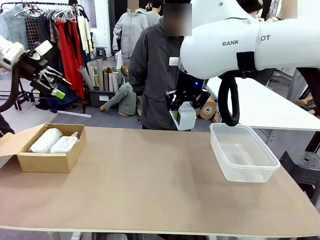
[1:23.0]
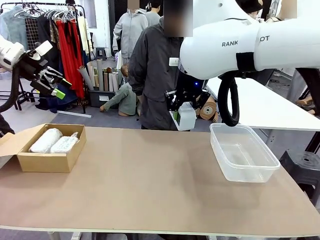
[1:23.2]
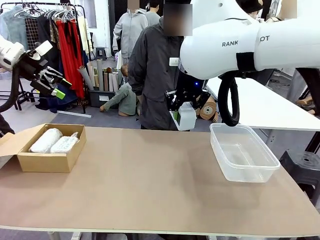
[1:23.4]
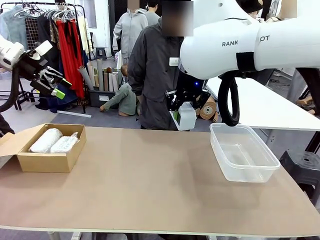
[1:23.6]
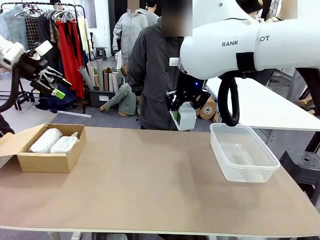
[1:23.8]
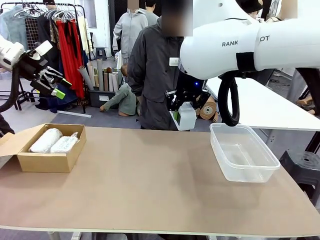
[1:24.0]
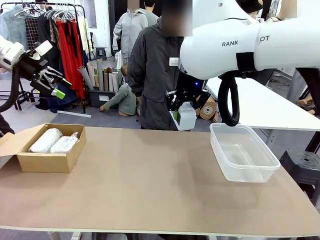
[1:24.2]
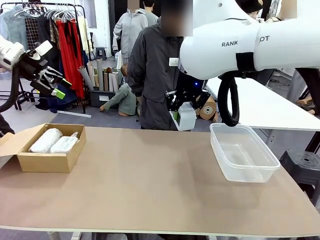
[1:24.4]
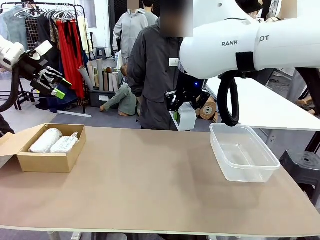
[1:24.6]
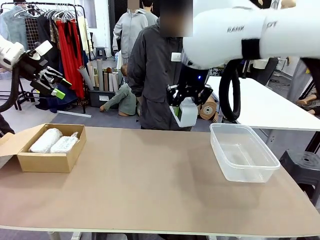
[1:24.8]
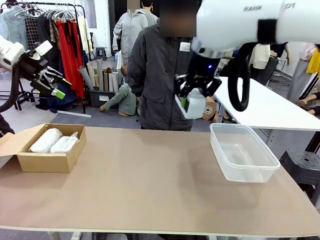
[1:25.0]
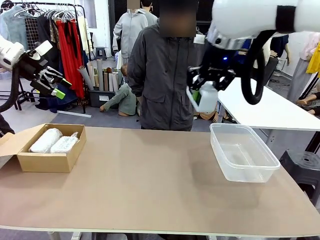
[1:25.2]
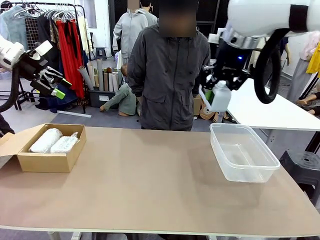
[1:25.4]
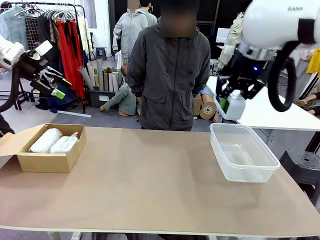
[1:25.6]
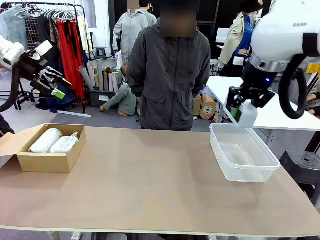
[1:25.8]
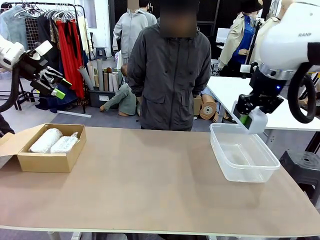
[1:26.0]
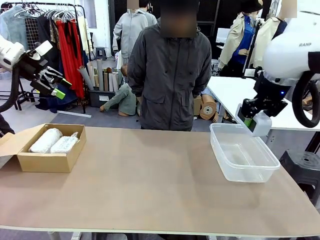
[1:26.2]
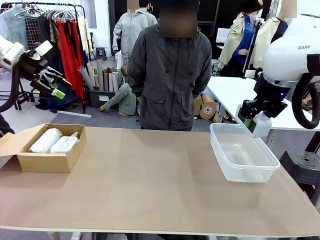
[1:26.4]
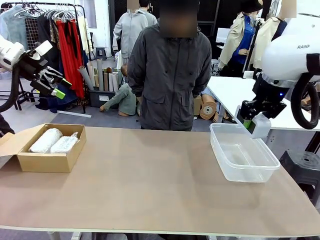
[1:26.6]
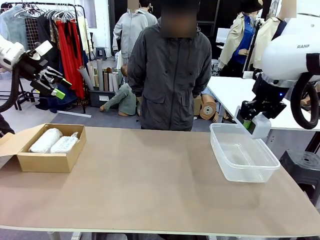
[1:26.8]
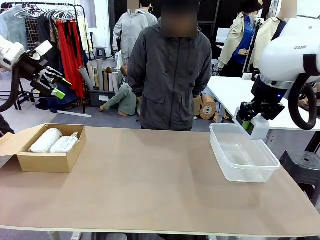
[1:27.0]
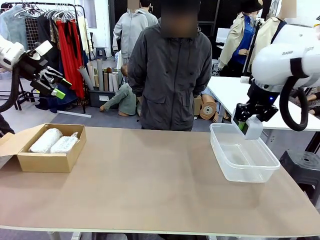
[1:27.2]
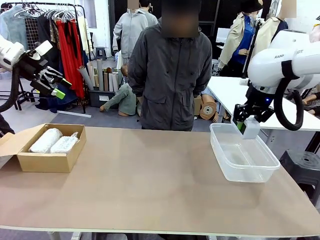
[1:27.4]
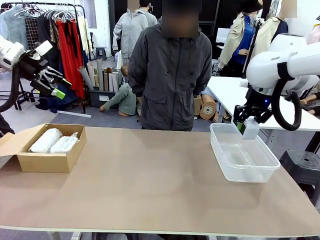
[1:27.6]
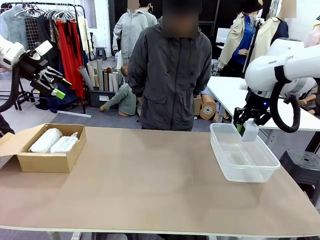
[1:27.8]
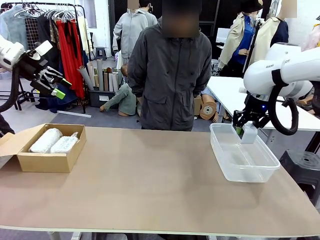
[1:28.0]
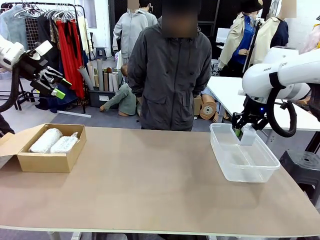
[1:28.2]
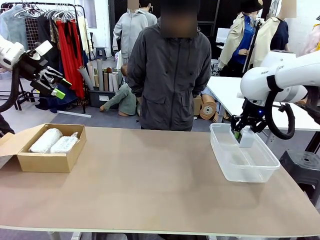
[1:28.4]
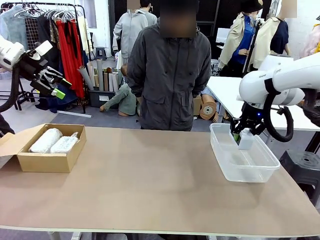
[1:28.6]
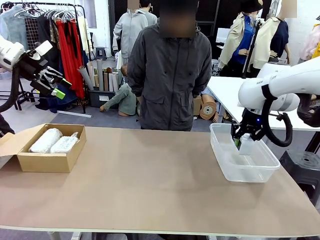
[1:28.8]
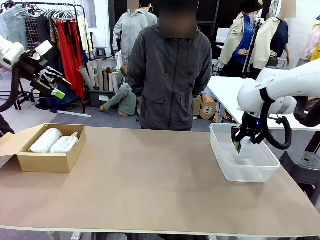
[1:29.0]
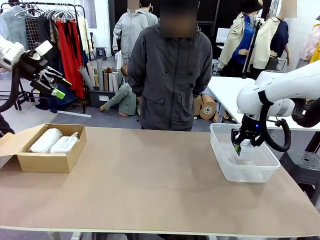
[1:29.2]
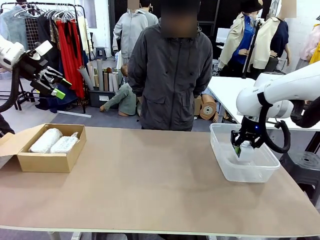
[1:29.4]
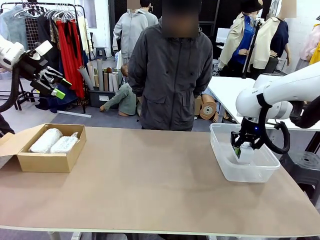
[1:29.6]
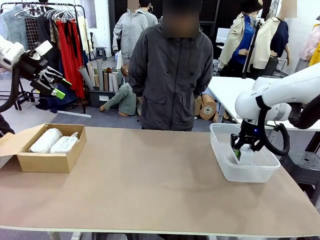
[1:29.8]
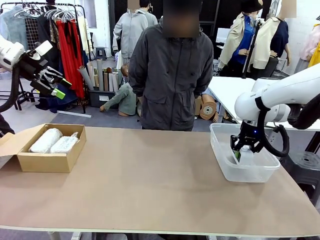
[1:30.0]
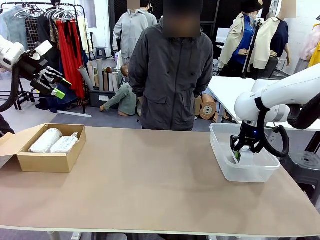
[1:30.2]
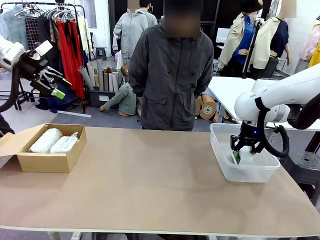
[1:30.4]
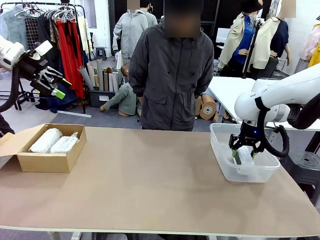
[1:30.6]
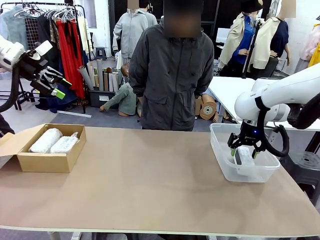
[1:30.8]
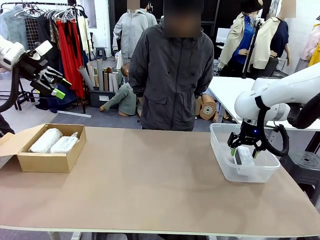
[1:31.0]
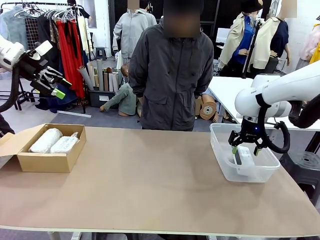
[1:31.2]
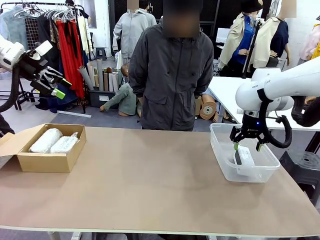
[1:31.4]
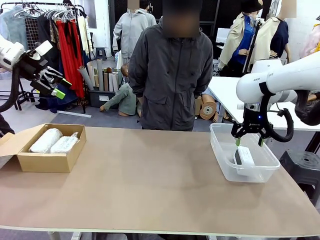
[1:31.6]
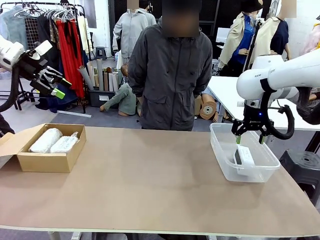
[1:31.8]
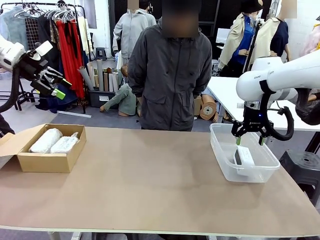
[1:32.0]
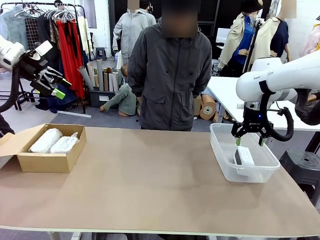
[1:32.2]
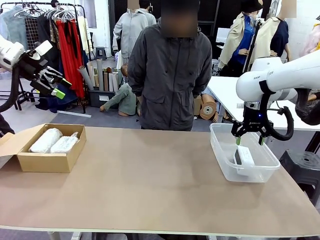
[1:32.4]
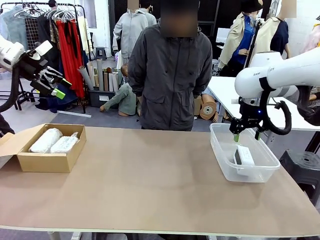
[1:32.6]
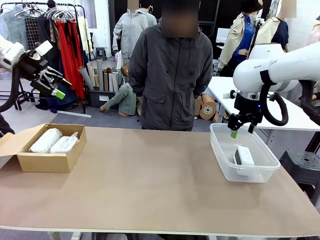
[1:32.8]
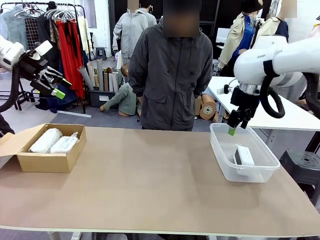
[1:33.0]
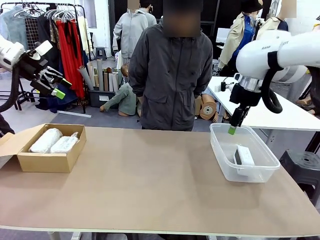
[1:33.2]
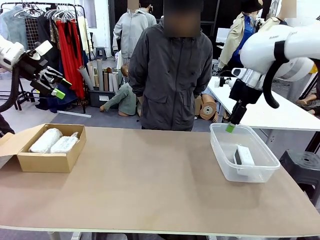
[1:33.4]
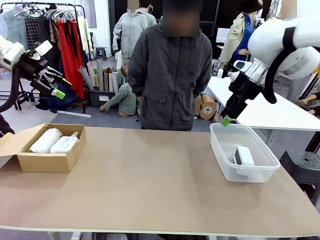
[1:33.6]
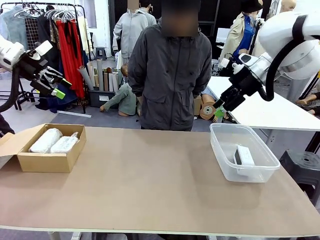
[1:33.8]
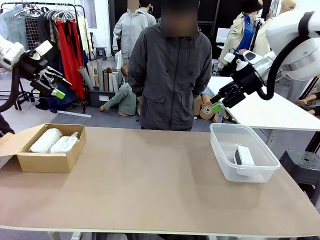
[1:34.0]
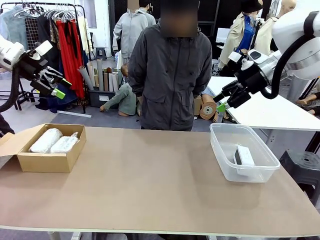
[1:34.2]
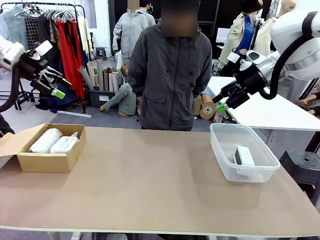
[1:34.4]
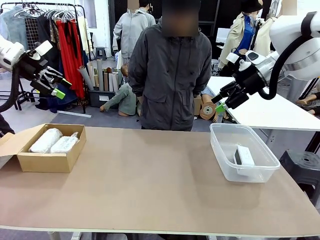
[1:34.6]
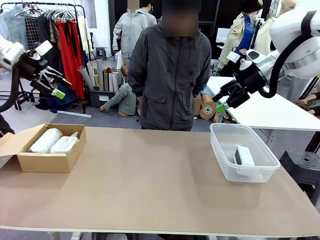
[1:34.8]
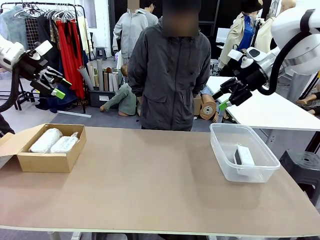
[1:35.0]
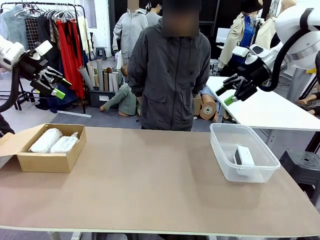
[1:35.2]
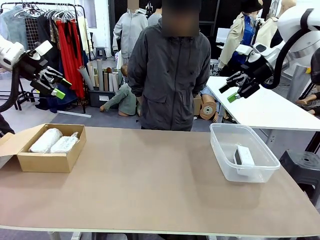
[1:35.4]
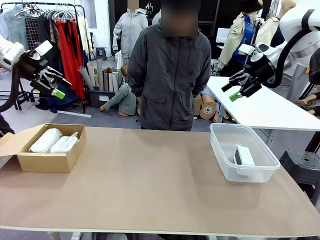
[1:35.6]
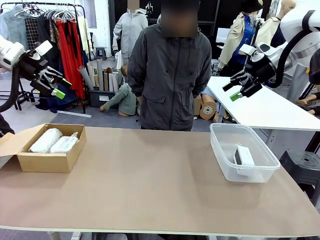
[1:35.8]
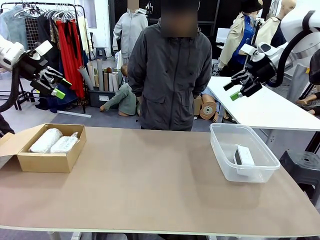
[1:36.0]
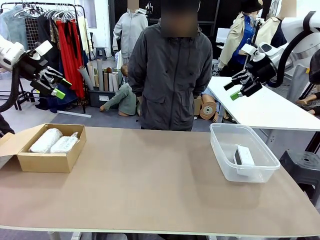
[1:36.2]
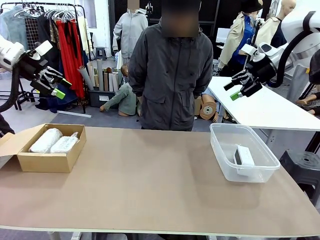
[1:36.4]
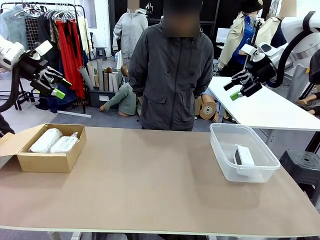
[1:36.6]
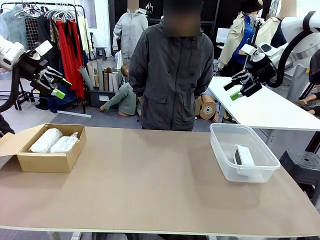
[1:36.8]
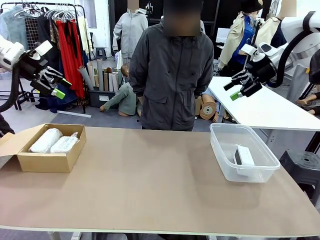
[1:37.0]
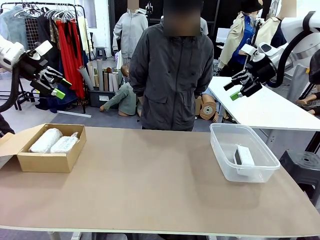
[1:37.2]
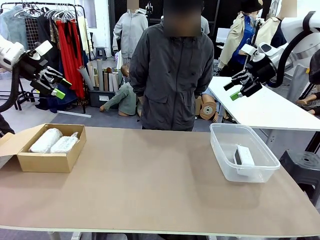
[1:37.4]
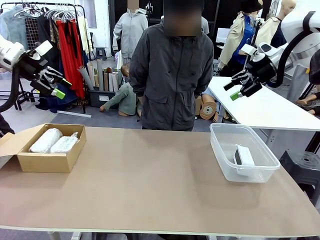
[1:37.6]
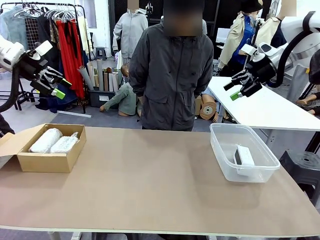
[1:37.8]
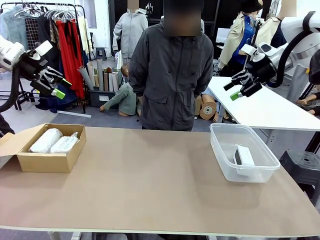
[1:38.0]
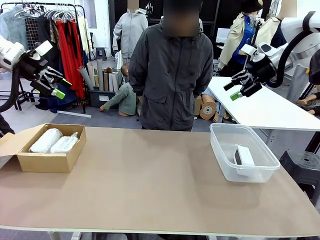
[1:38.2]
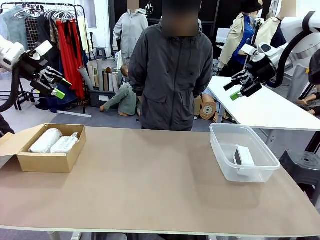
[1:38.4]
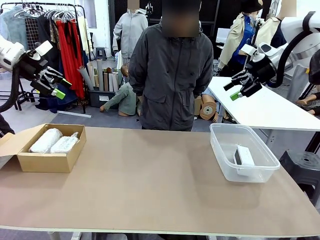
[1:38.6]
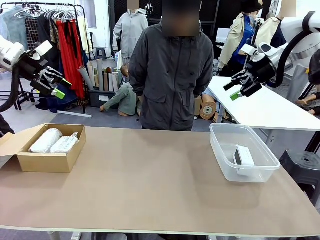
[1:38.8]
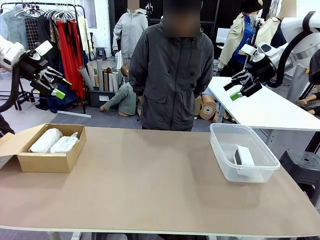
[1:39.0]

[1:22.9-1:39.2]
Task: Separate and place wrapped and unwrapped clocks.
Robot: If the picked Digital clock is wrapped, place it in the Package Box ; if not, place it in the Organizing box.

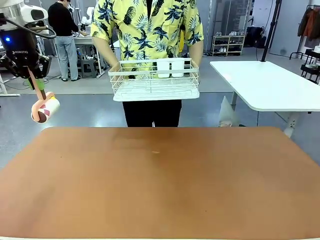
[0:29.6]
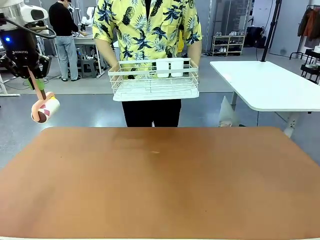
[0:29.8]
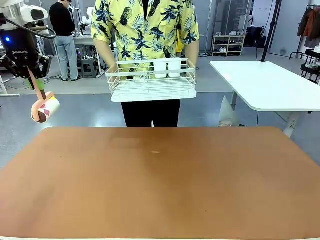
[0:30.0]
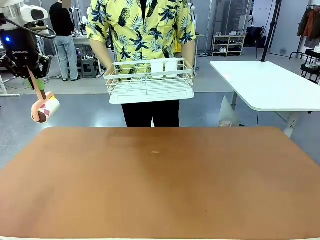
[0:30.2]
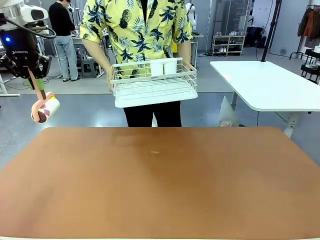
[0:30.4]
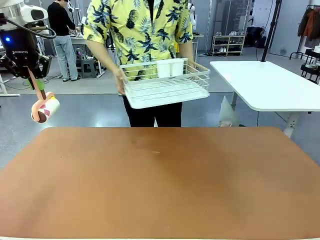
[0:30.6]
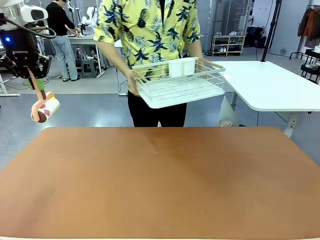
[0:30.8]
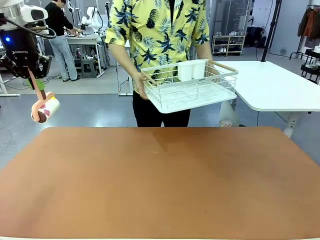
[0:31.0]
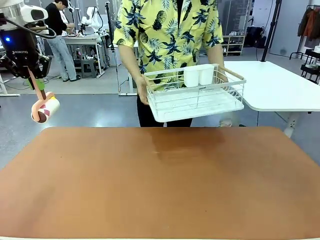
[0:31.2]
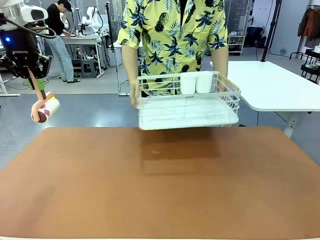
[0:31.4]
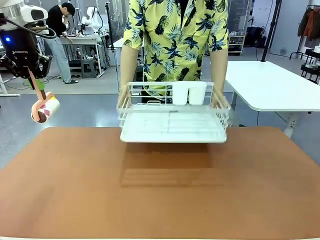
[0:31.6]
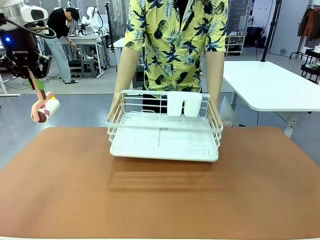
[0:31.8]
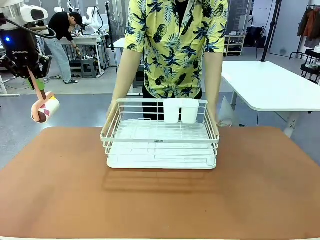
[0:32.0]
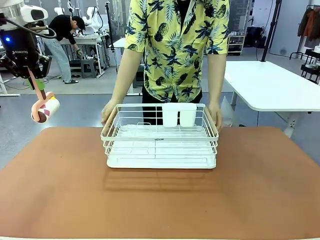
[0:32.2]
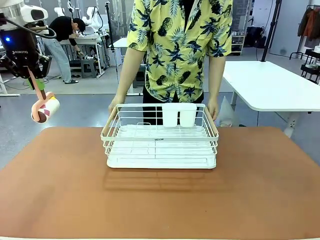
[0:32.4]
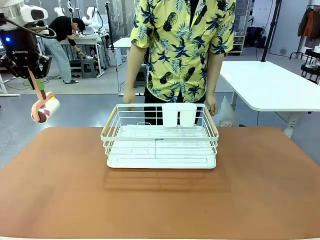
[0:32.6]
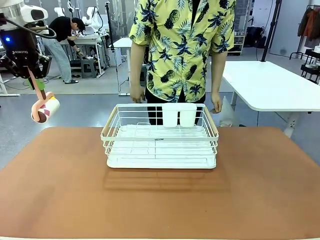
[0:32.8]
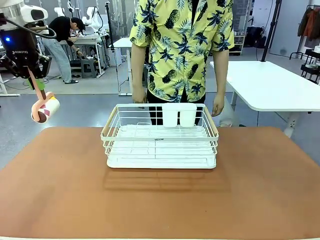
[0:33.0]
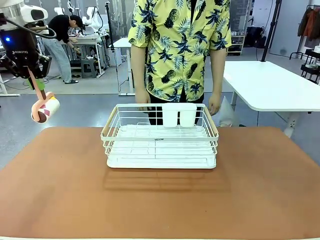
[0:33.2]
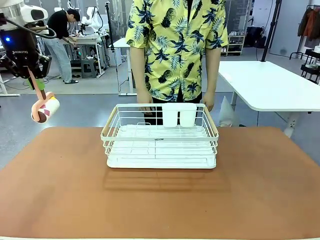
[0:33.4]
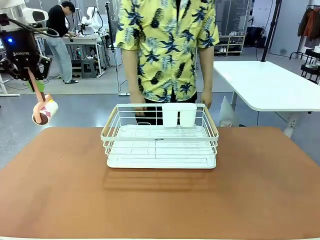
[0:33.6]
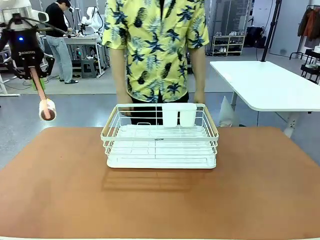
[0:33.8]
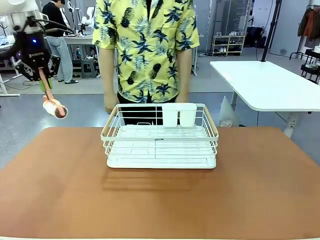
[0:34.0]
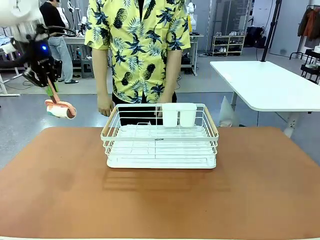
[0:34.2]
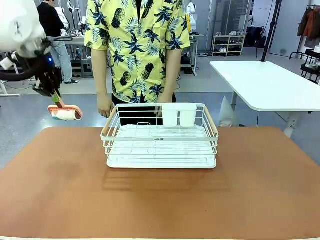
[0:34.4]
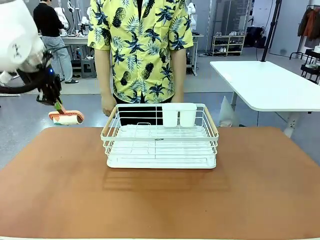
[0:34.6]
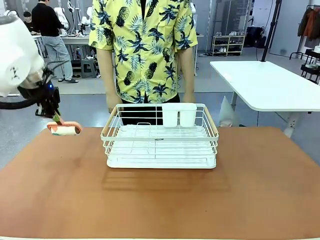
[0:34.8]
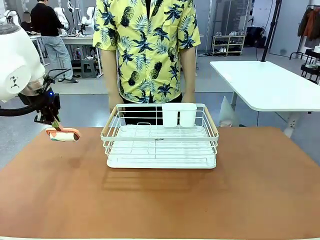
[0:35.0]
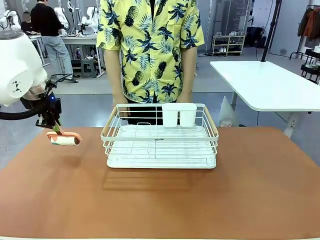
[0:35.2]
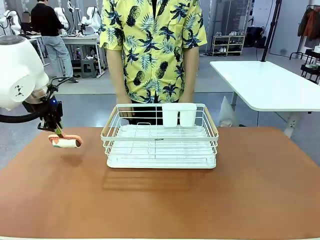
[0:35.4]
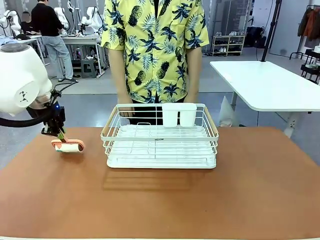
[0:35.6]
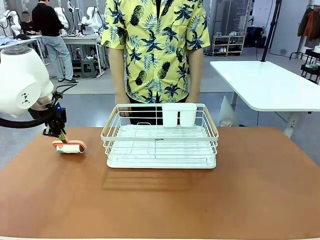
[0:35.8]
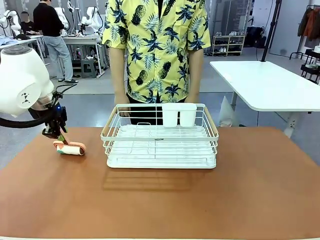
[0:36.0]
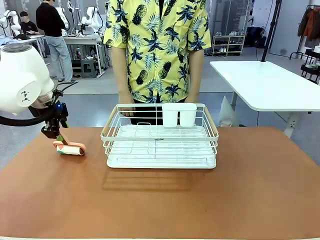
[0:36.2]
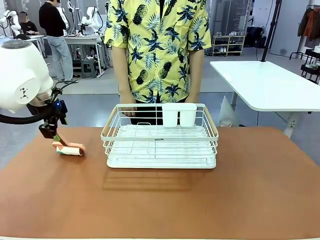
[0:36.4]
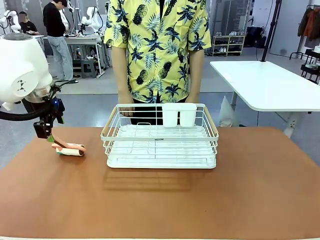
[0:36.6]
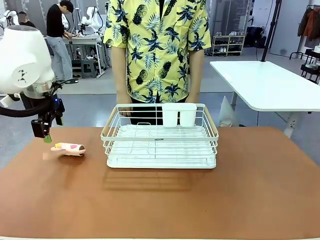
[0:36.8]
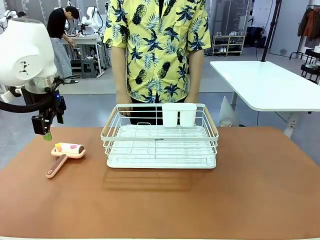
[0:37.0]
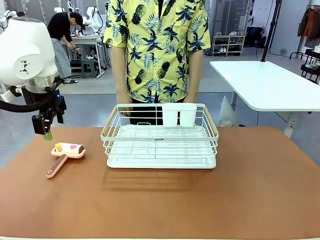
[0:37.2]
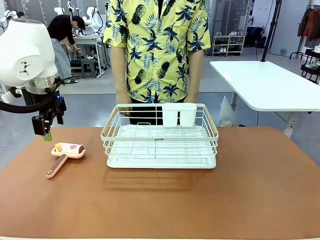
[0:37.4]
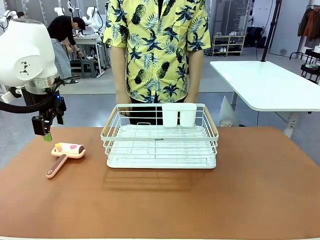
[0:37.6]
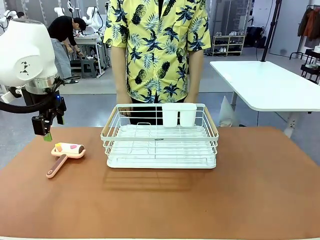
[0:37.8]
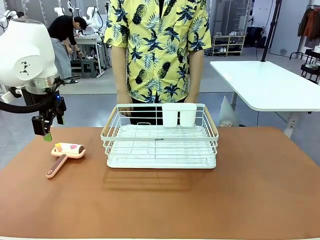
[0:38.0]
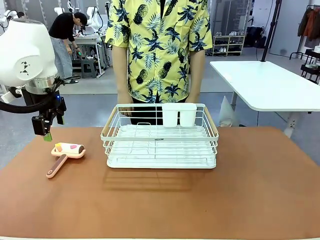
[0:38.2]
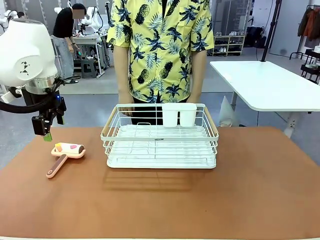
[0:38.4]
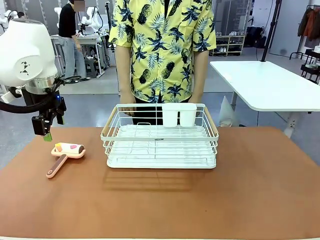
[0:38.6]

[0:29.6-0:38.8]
Task: Clean the table.
Robot: Place the Lint Roller down when the Dish drying rack is positioned in the middle of the table.
